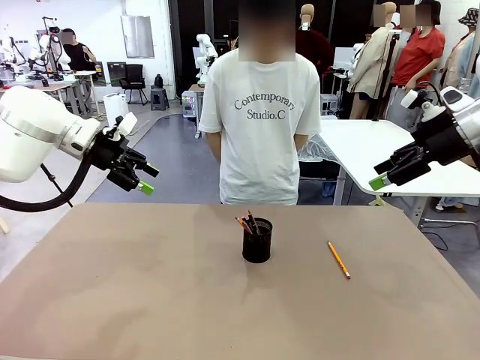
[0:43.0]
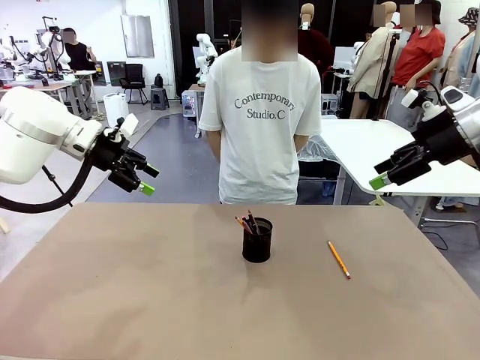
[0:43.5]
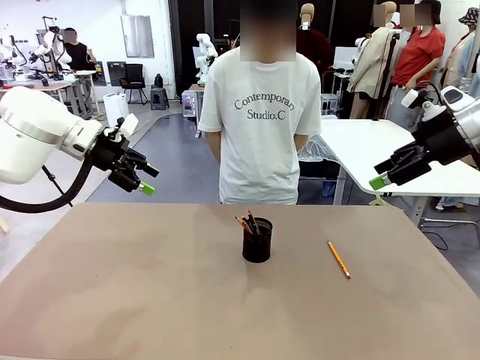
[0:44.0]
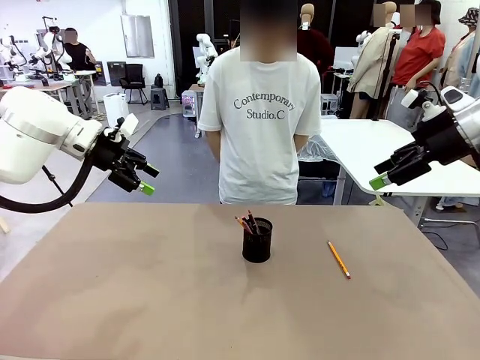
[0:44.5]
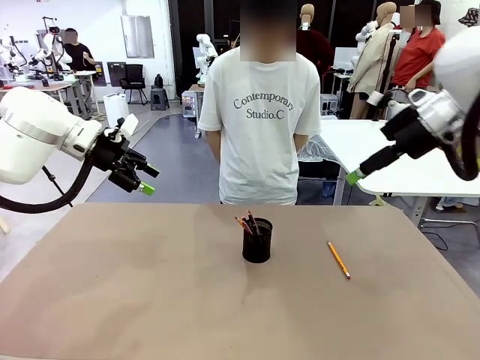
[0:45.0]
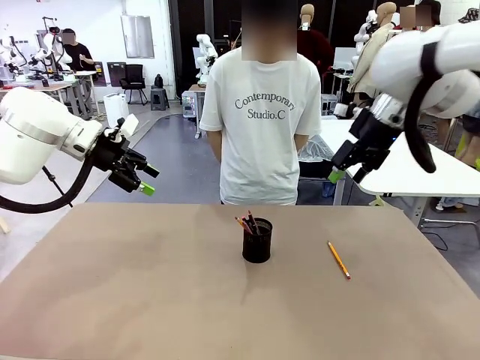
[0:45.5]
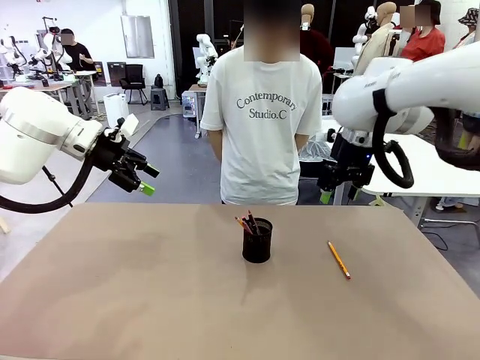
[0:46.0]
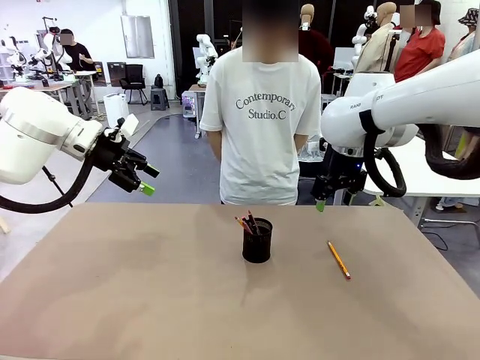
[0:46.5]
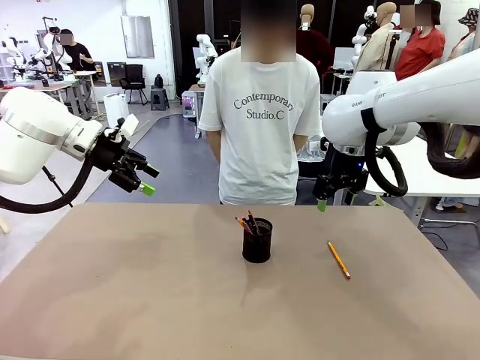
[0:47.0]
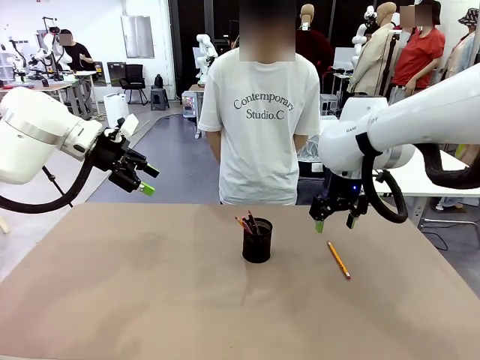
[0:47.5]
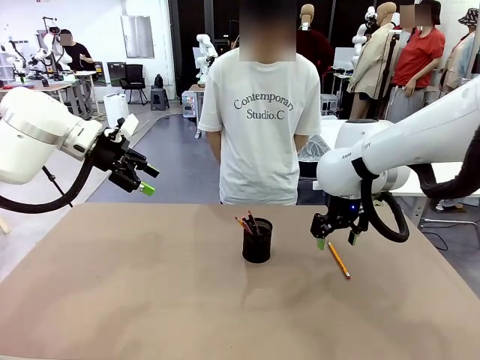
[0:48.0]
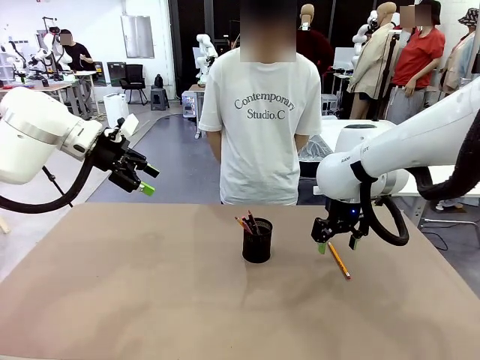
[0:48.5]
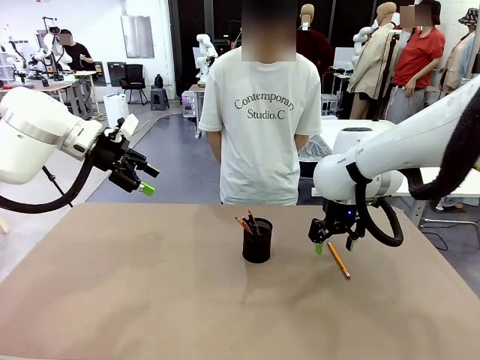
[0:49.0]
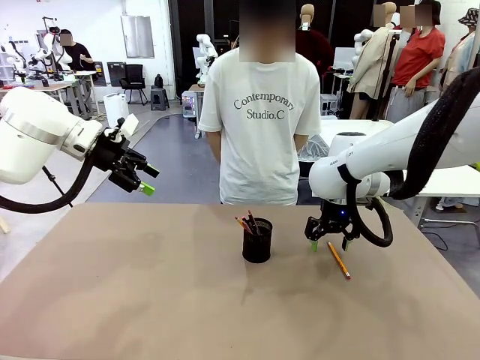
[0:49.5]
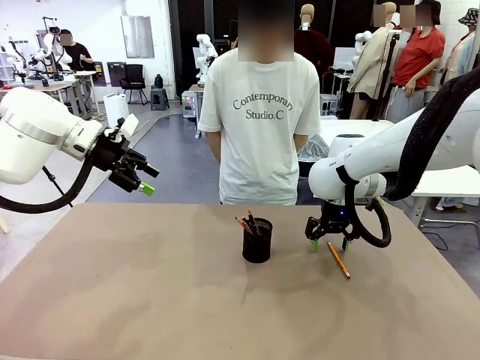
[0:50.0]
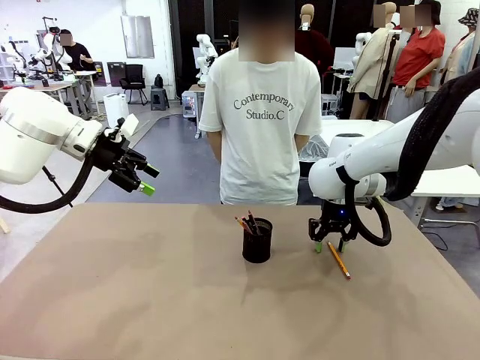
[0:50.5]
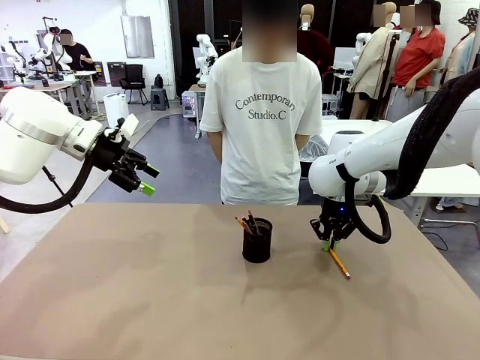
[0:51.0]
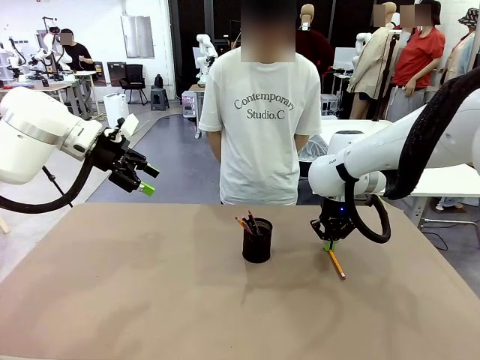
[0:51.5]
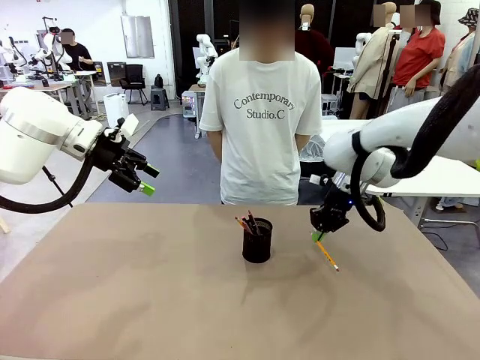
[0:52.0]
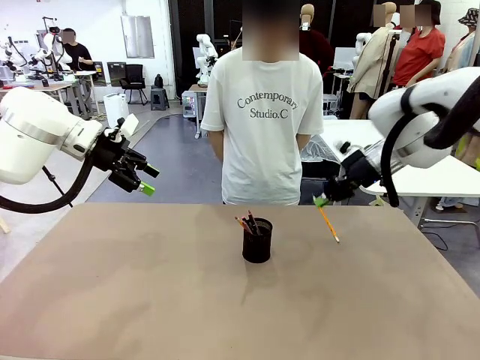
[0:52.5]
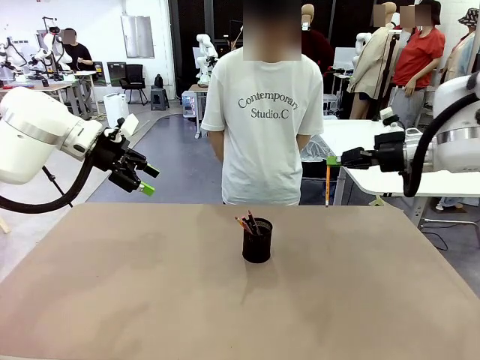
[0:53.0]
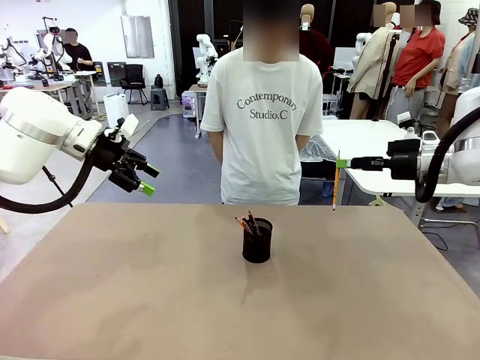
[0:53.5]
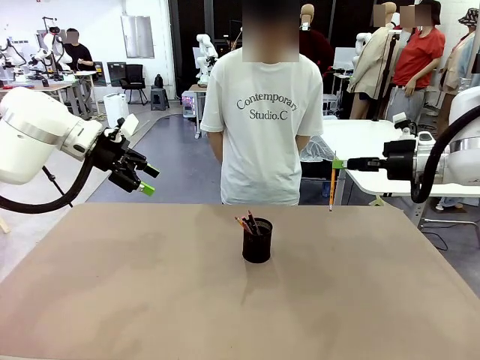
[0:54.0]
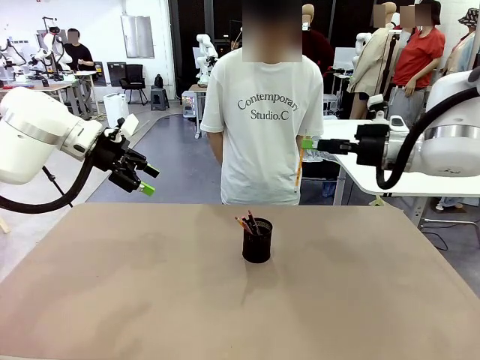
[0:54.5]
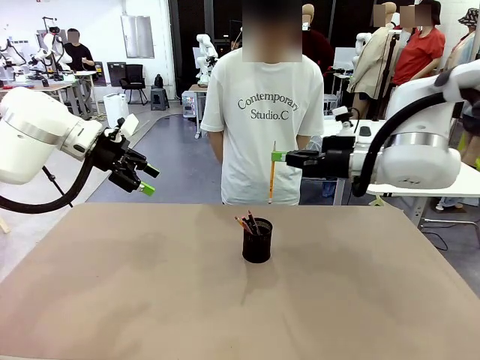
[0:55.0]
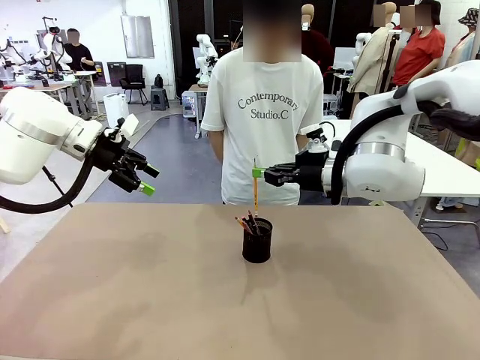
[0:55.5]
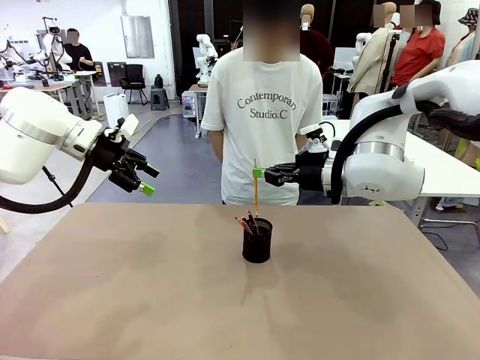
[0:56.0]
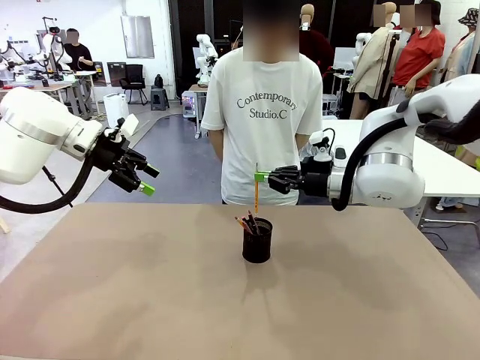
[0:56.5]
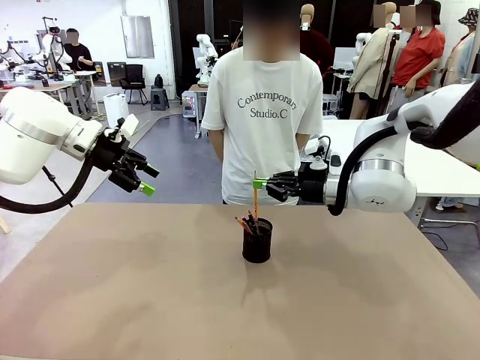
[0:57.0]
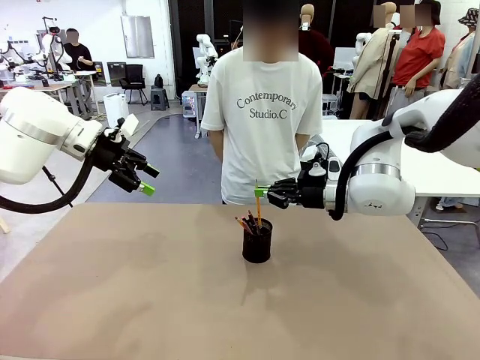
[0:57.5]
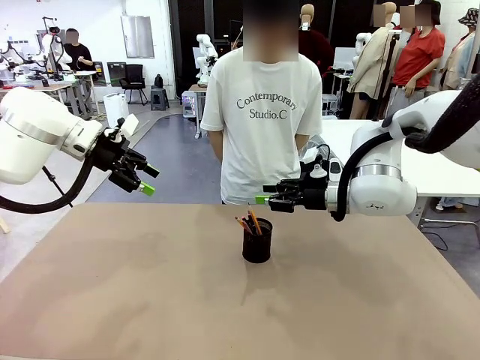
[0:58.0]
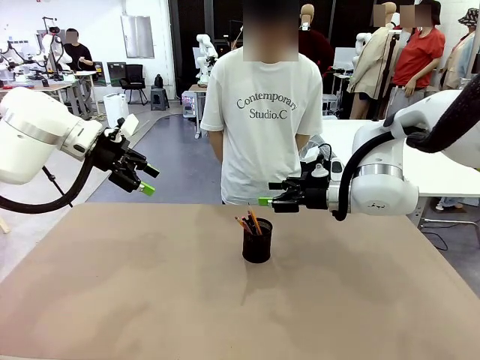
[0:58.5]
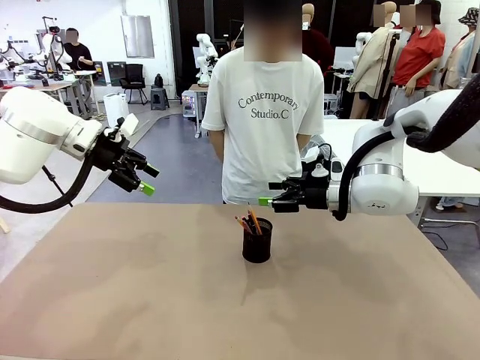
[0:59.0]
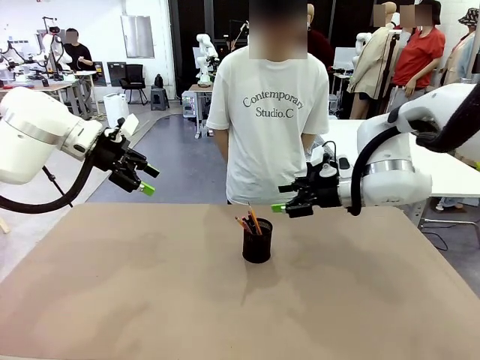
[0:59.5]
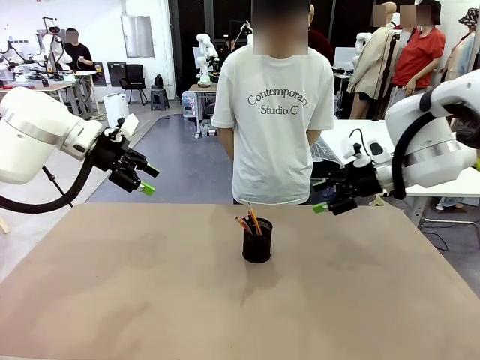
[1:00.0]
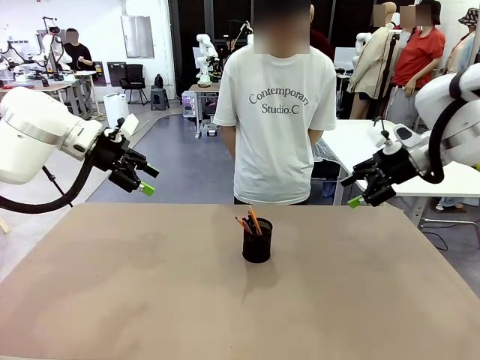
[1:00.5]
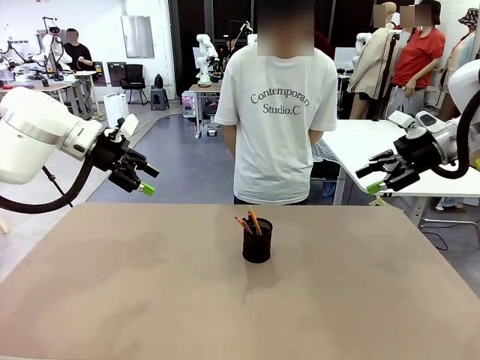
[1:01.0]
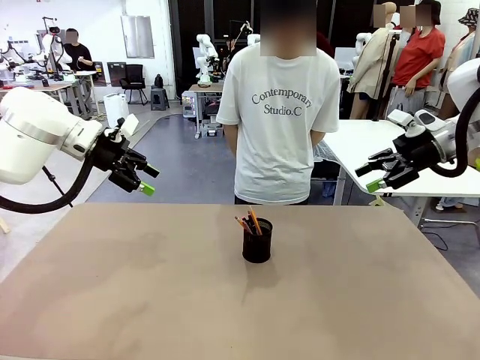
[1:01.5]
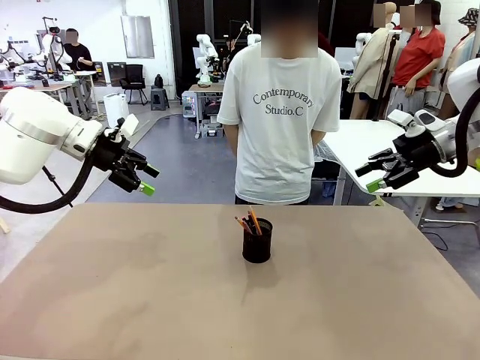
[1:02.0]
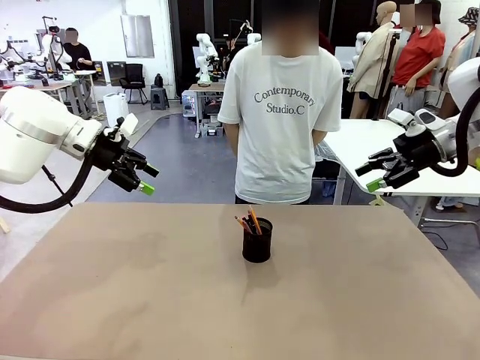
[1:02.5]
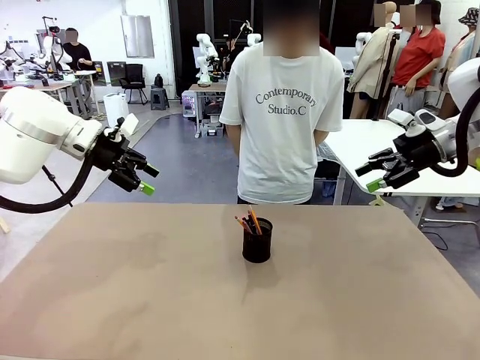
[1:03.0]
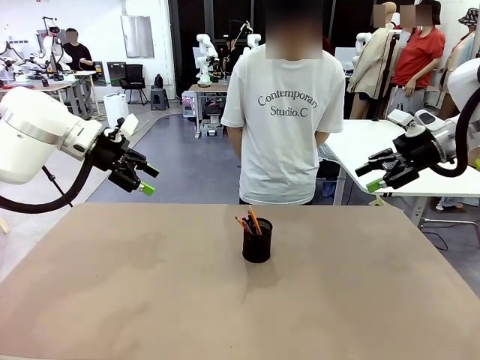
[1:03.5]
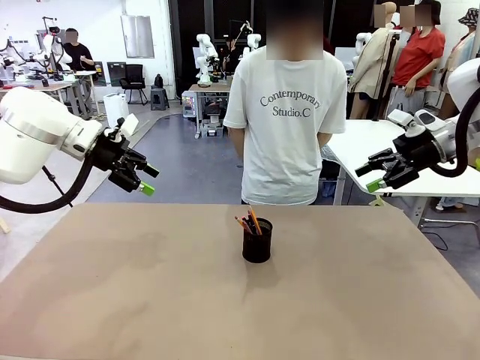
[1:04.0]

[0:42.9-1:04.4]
Task: Place the pens into the pen holder.
Robot: Pick up a writing instrument from the table and place it into the Pen holder.
